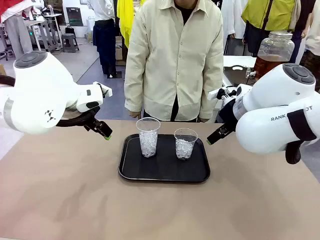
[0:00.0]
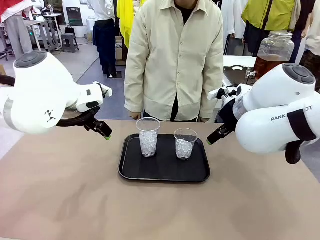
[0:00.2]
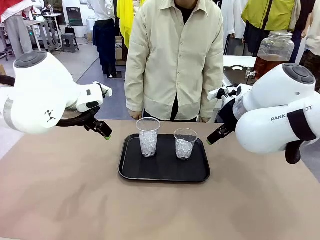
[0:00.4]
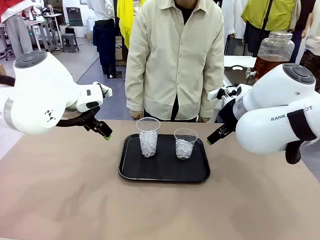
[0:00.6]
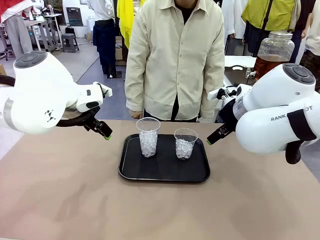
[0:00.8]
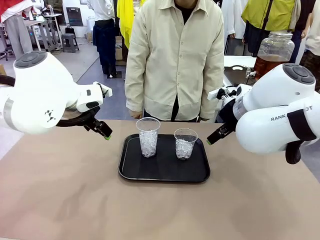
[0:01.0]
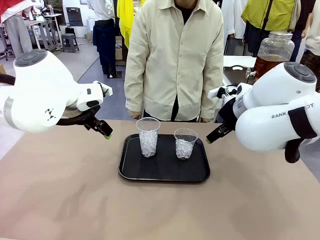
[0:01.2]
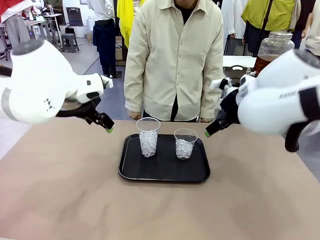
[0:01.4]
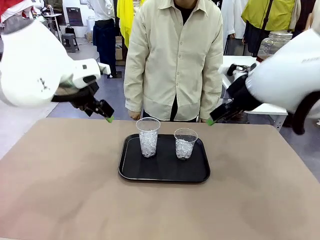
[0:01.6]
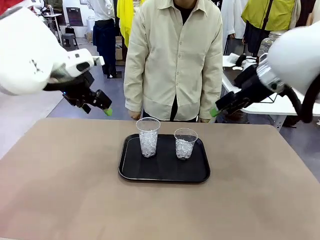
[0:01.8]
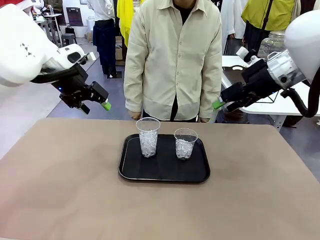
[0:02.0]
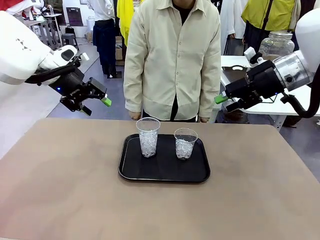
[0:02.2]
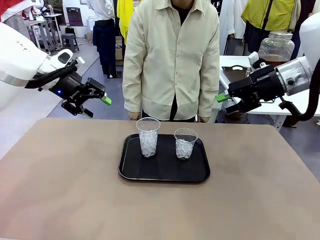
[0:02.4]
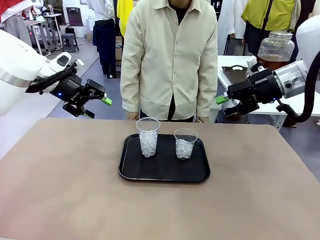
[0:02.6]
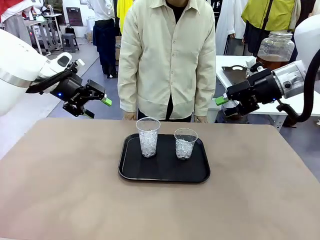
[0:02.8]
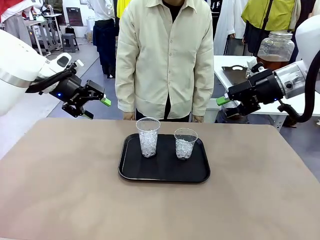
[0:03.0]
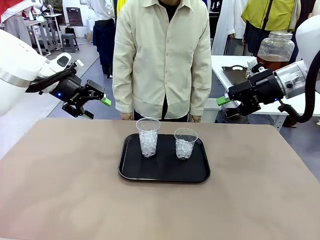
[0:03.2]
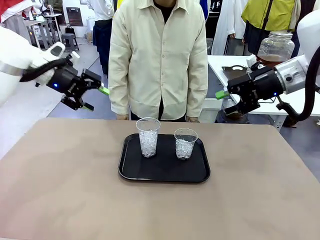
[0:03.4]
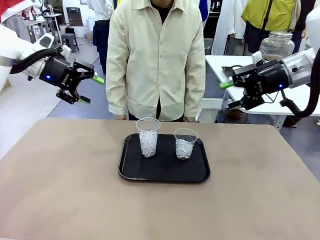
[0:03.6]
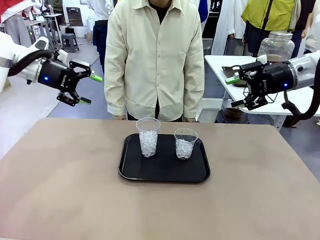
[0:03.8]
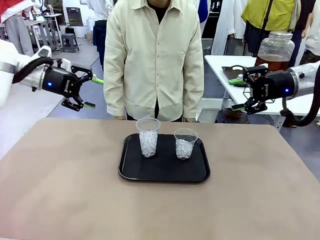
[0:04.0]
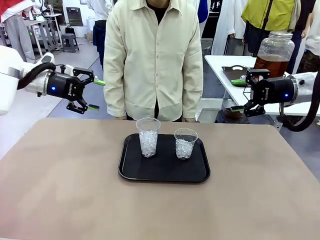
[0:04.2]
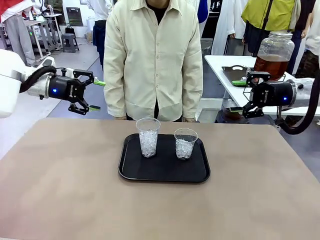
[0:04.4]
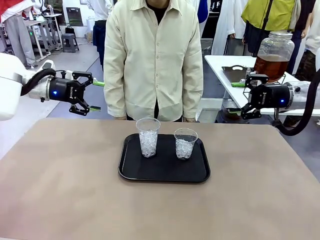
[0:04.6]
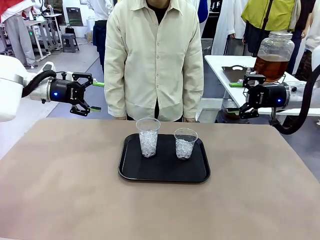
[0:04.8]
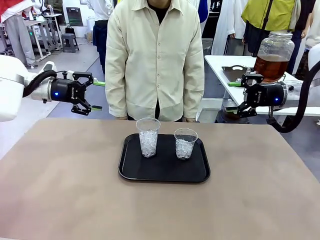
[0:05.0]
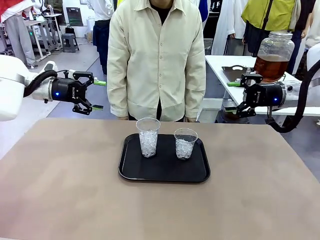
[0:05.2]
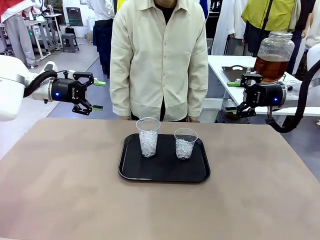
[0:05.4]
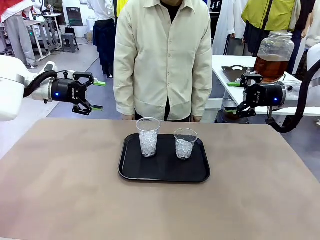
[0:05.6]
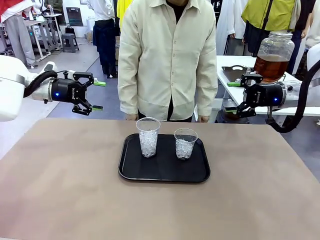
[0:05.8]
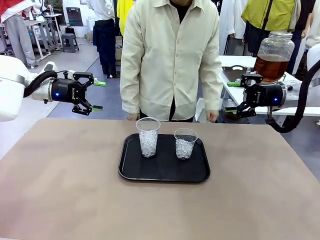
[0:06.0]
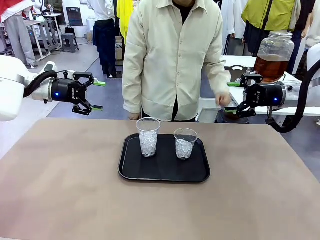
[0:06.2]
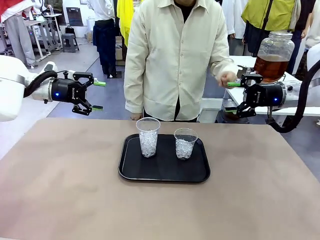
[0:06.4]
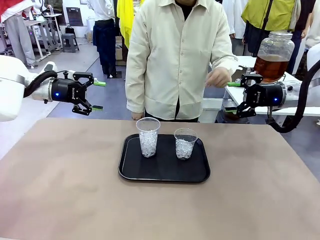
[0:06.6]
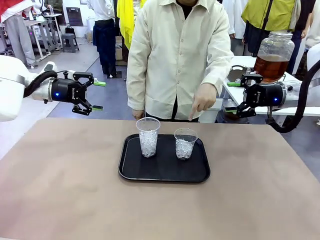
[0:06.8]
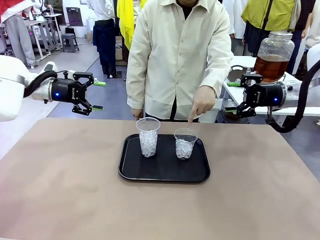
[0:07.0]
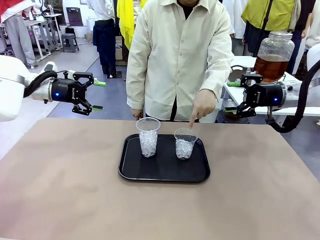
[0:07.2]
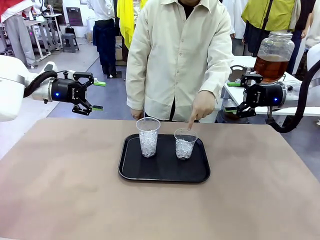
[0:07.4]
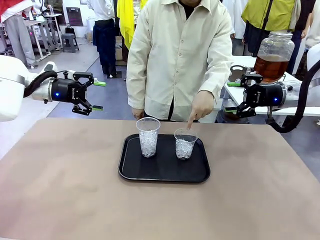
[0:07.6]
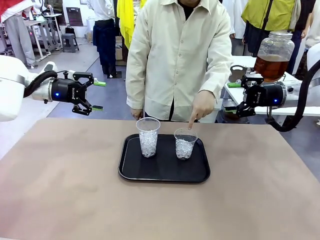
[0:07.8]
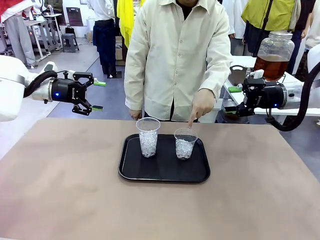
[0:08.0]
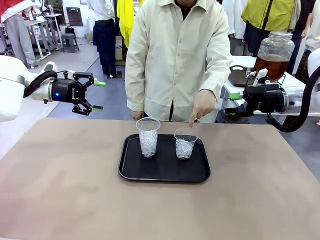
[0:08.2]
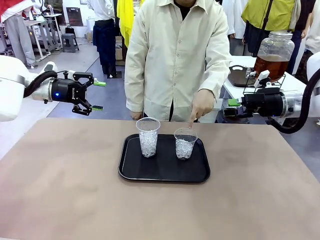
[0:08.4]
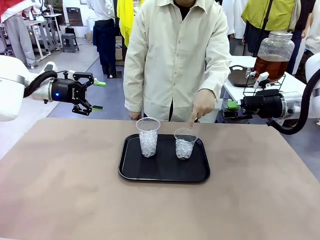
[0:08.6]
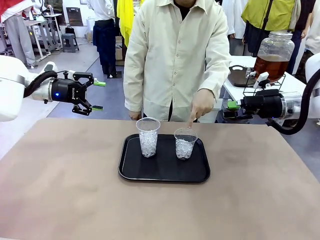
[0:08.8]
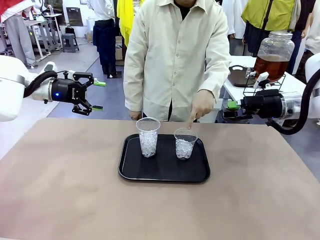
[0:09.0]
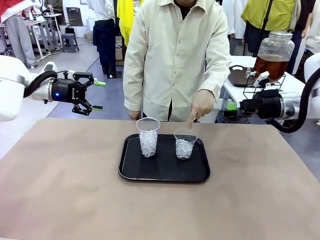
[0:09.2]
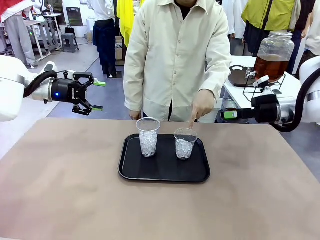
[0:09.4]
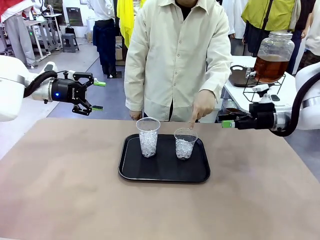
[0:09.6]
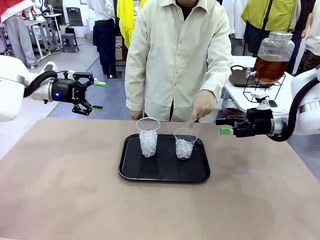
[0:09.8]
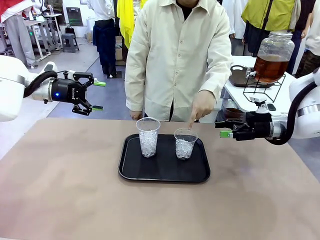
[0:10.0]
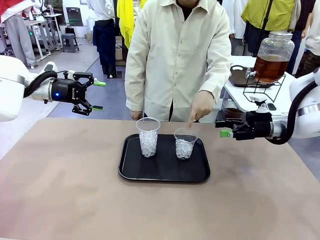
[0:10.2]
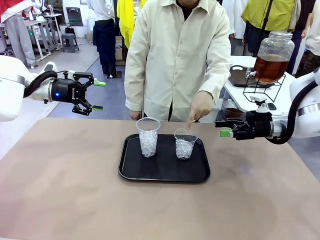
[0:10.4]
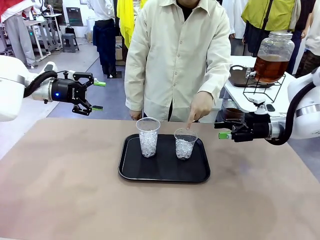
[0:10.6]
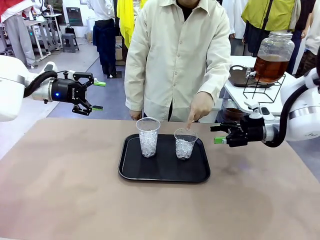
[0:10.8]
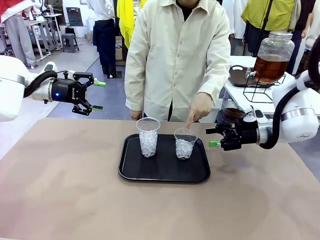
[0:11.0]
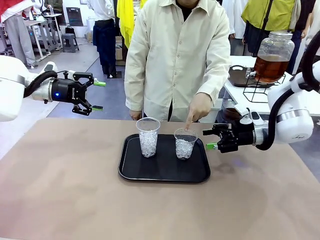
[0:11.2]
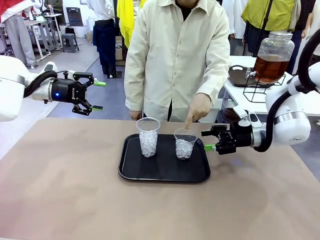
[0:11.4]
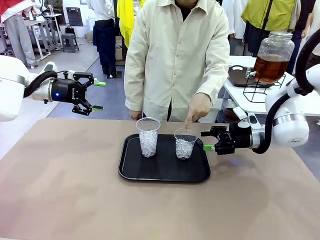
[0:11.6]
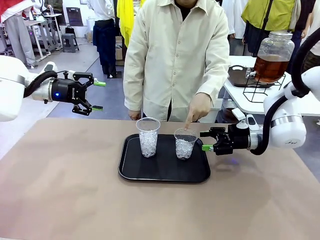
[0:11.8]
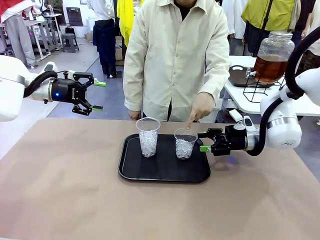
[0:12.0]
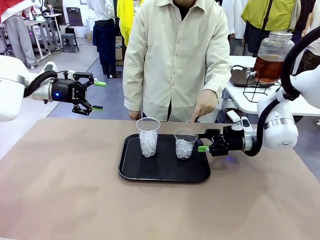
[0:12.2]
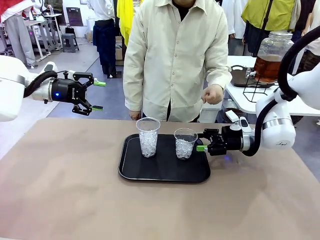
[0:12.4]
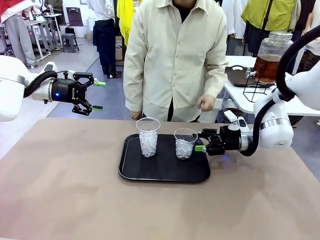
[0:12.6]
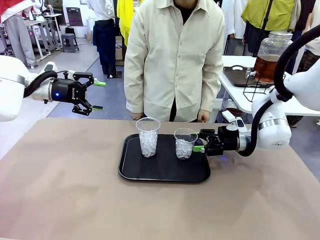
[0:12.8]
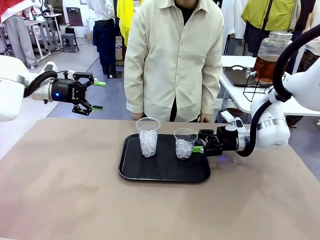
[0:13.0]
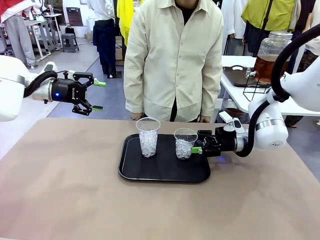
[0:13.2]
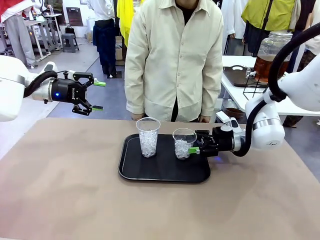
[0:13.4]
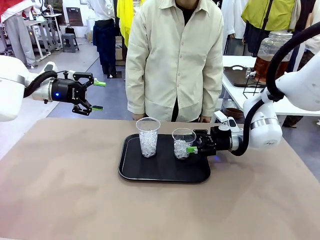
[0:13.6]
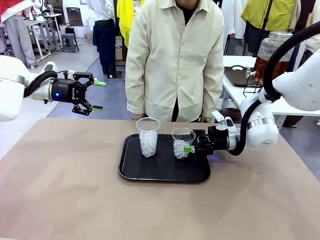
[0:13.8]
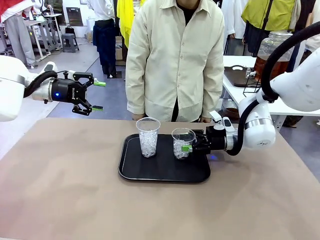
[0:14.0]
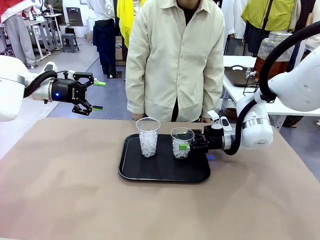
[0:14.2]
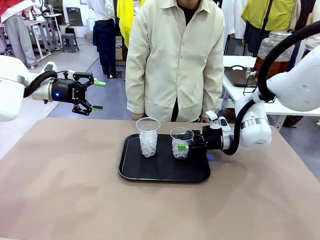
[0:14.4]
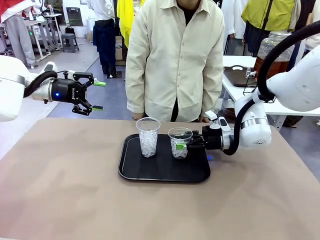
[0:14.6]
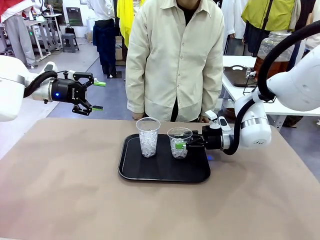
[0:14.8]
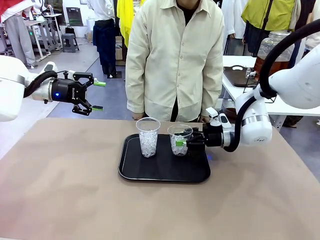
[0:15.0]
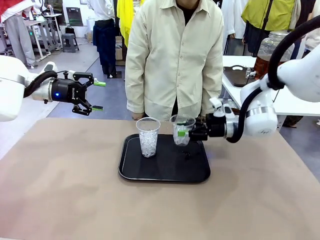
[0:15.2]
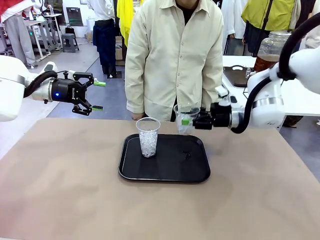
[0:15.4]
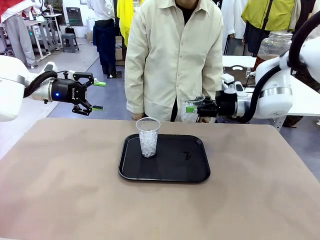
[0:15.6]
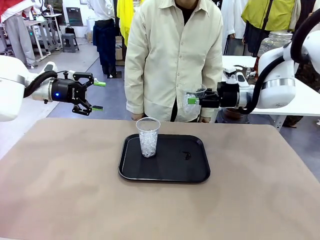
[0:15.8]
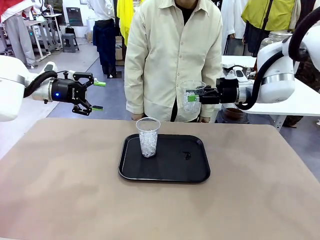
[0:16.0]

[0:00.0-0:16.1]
Task: Pour the drink into the iced cup.
Robot: Pick up the iced cup indicated by the human and present it to them.
Person: Point to one of the two ice cups. Pick up the cup offered by the robot.

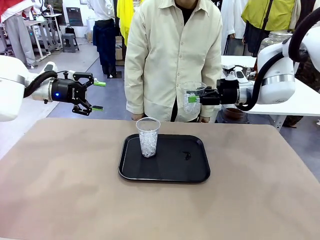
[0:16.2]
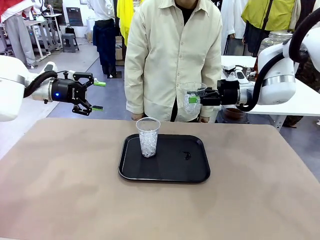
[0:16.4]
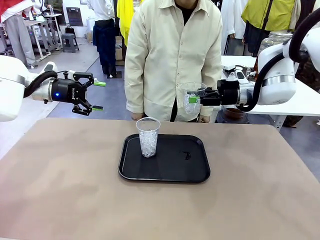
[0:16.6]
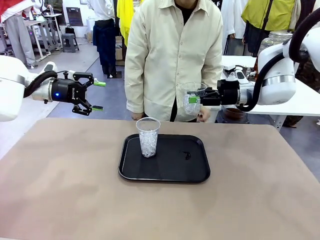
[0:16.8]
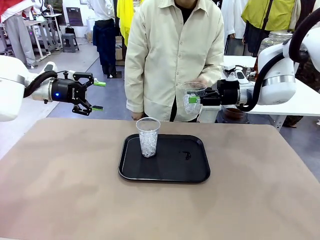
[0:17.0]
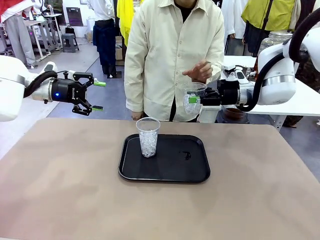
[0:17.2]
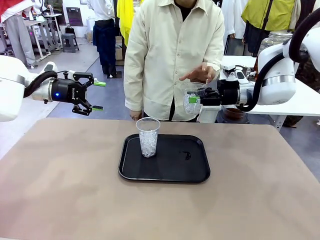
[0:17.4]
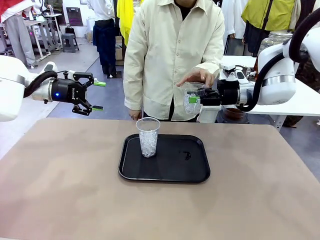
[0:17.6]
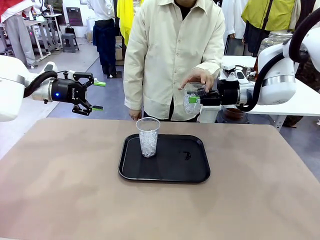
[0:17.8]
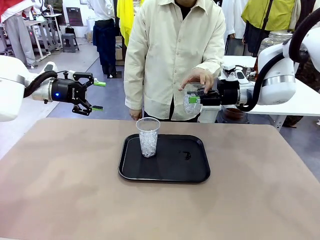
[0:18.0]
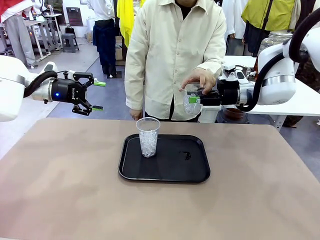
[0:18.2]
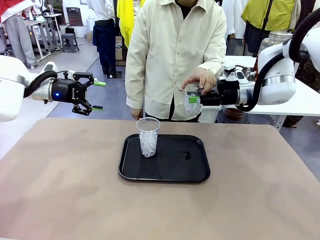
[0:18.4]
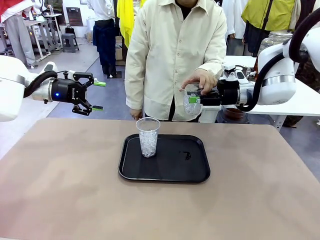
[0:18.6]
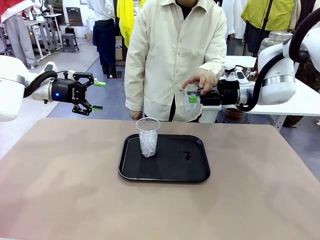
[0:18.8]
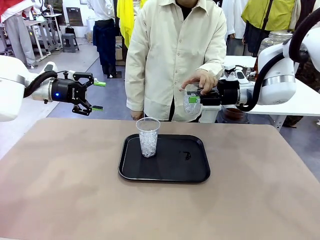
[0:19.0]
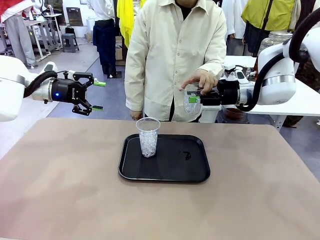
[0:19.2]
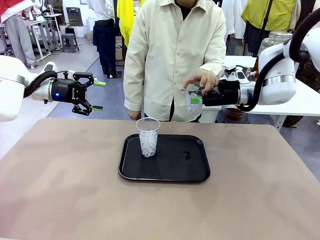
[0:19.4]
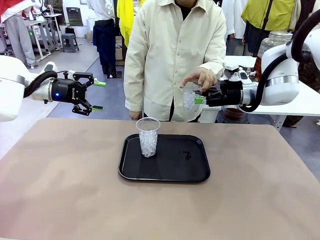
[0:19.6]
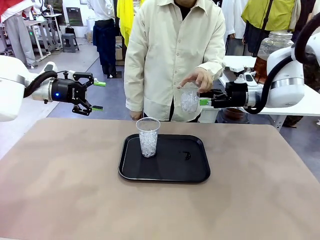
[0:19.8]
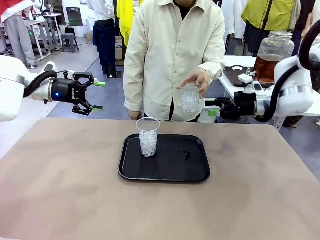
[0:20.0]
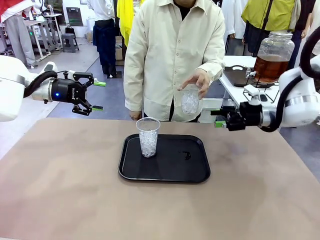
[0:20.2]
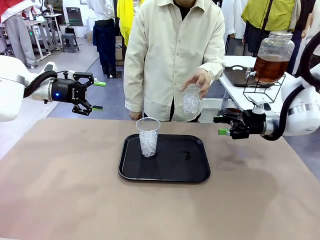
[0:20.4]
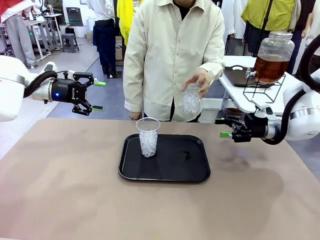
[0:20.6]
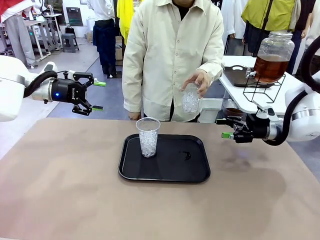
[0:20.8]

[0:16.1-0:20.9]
Robot: Open the gripper to release the iced cup you were holding.
